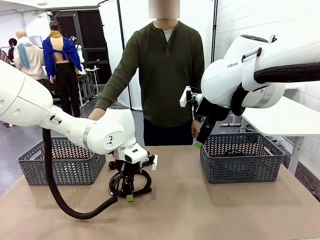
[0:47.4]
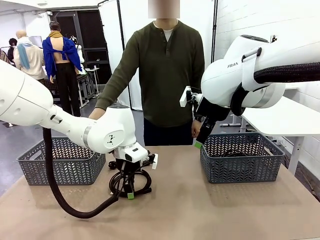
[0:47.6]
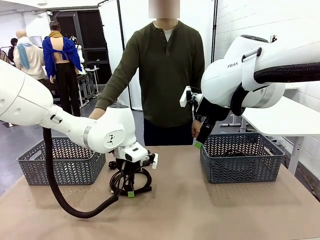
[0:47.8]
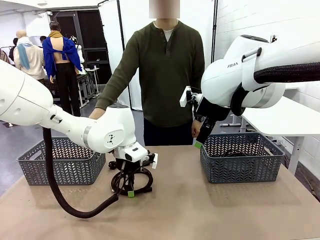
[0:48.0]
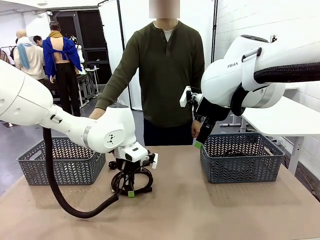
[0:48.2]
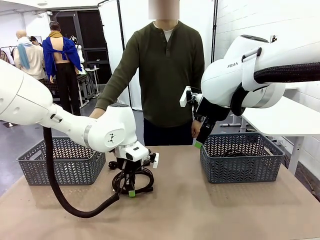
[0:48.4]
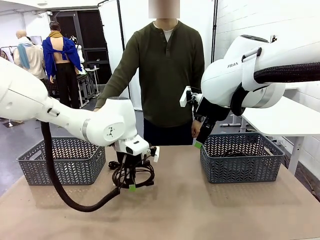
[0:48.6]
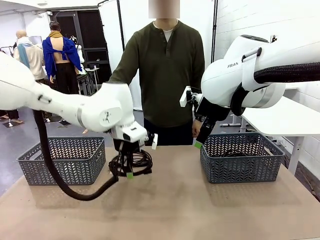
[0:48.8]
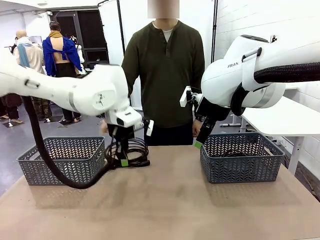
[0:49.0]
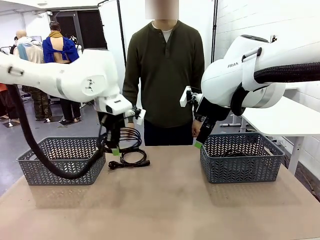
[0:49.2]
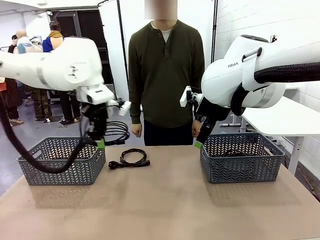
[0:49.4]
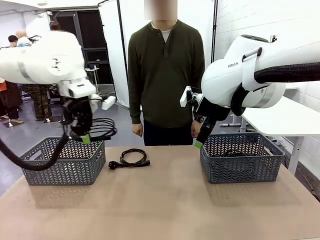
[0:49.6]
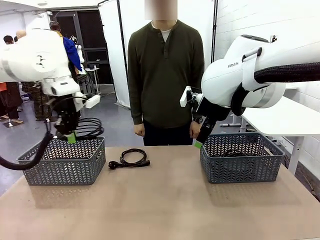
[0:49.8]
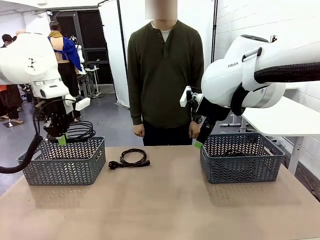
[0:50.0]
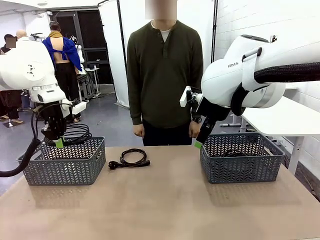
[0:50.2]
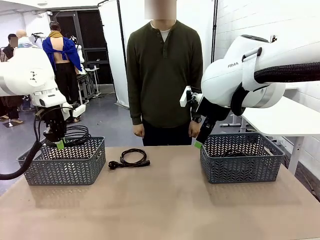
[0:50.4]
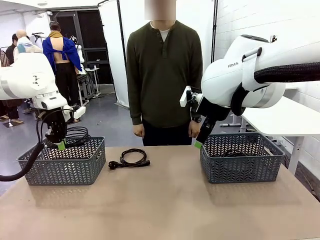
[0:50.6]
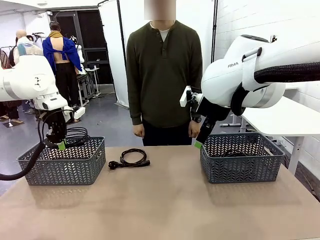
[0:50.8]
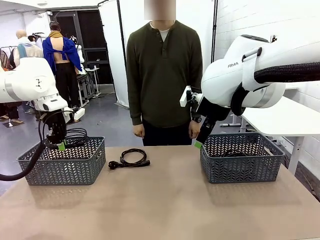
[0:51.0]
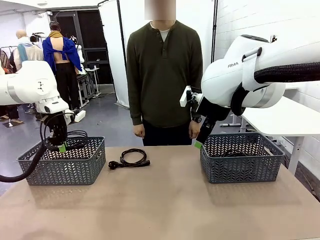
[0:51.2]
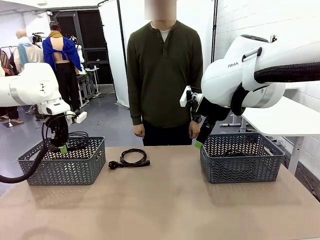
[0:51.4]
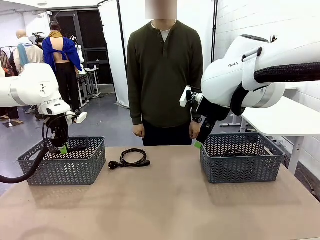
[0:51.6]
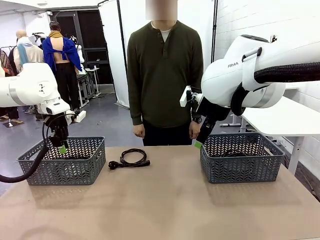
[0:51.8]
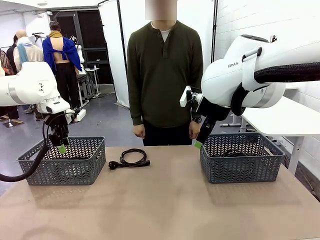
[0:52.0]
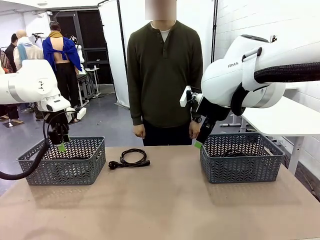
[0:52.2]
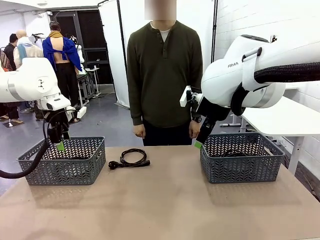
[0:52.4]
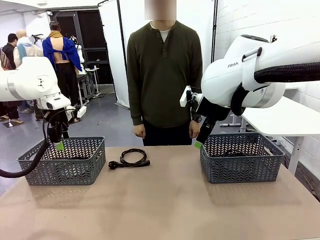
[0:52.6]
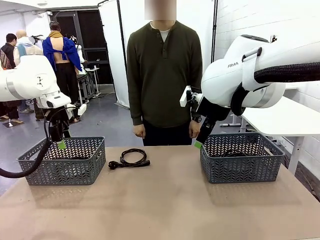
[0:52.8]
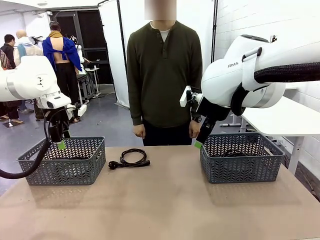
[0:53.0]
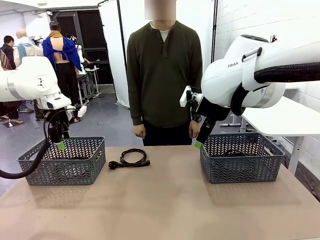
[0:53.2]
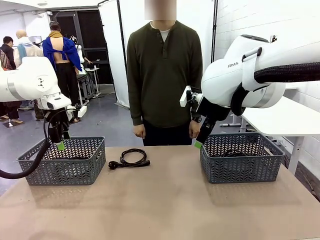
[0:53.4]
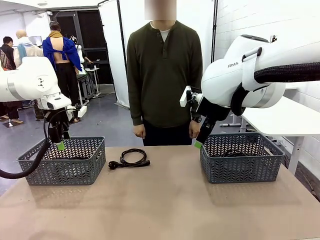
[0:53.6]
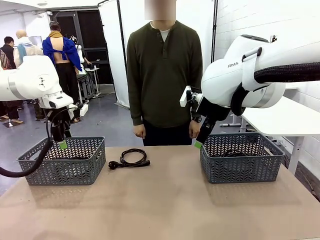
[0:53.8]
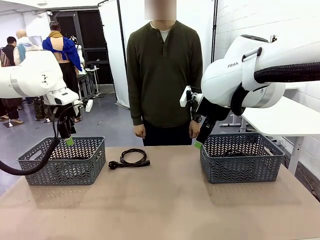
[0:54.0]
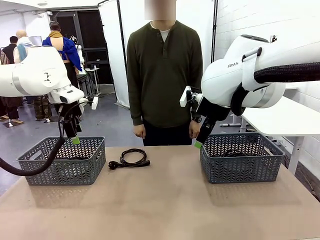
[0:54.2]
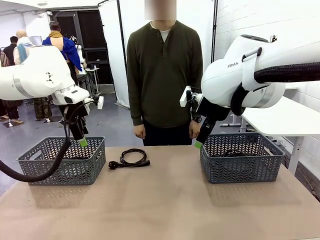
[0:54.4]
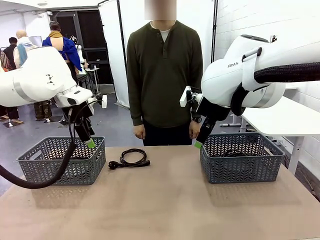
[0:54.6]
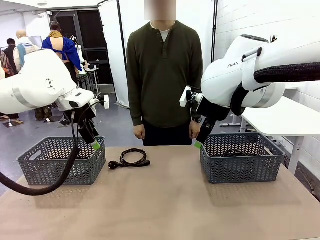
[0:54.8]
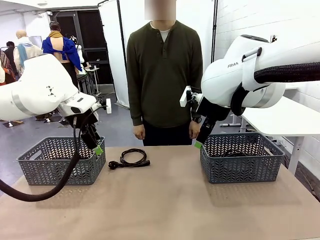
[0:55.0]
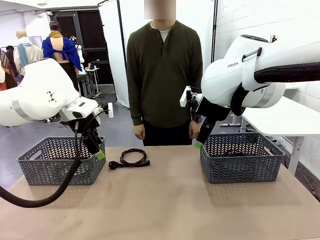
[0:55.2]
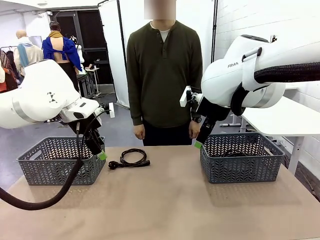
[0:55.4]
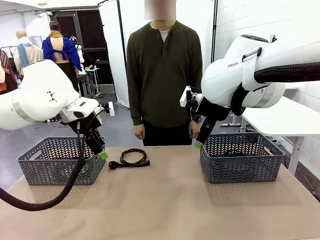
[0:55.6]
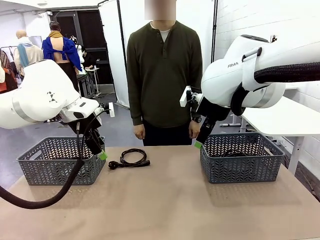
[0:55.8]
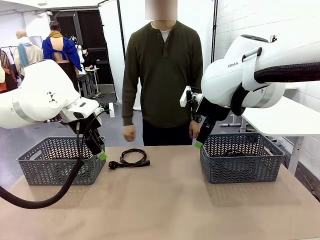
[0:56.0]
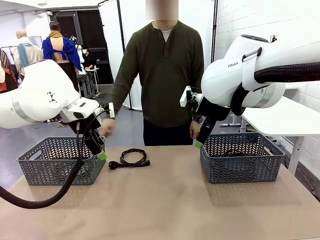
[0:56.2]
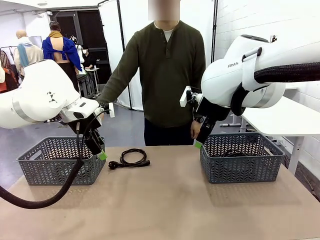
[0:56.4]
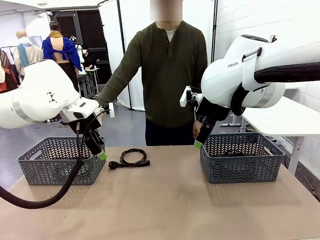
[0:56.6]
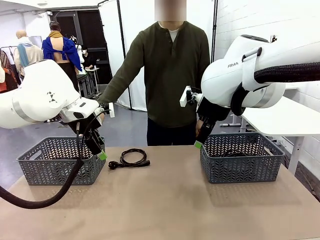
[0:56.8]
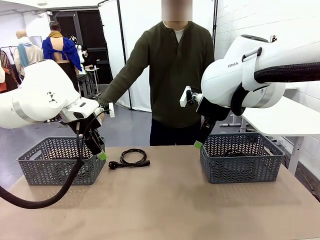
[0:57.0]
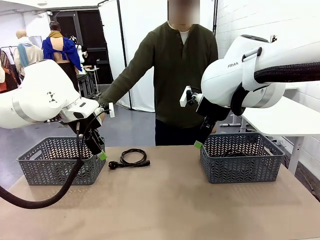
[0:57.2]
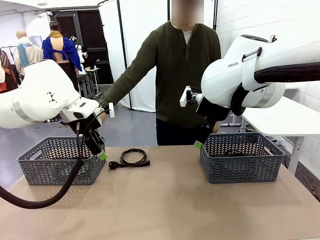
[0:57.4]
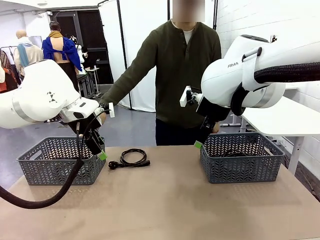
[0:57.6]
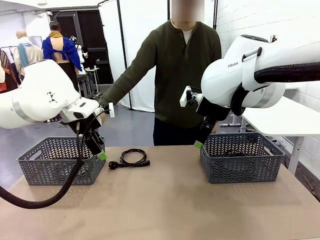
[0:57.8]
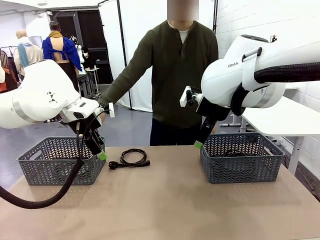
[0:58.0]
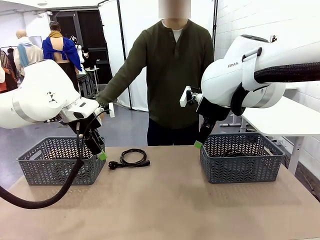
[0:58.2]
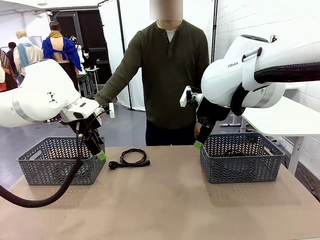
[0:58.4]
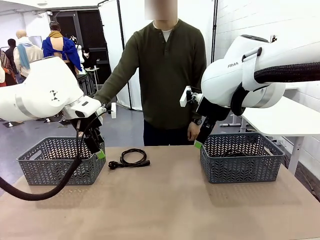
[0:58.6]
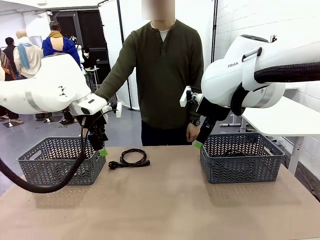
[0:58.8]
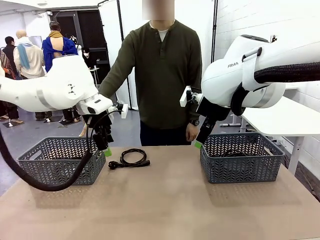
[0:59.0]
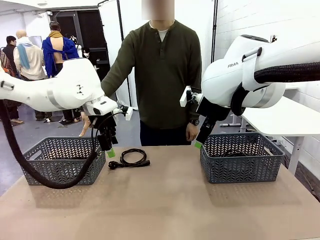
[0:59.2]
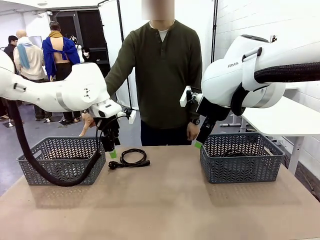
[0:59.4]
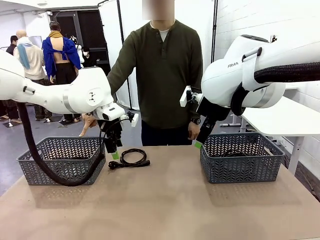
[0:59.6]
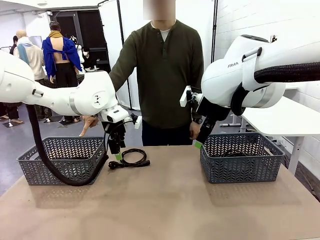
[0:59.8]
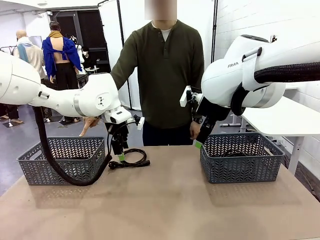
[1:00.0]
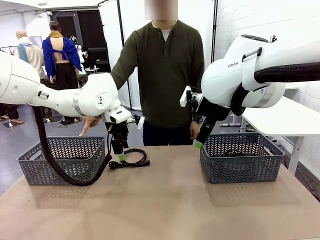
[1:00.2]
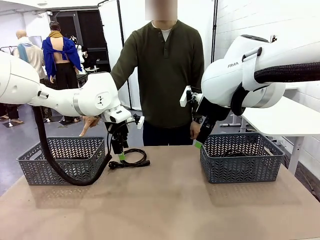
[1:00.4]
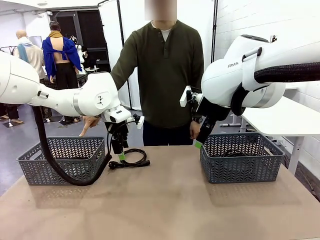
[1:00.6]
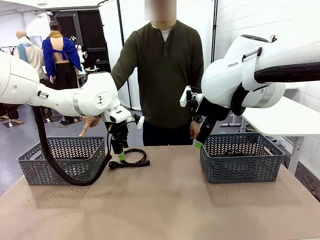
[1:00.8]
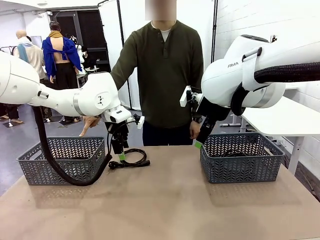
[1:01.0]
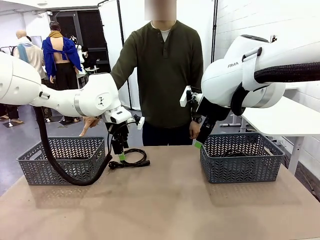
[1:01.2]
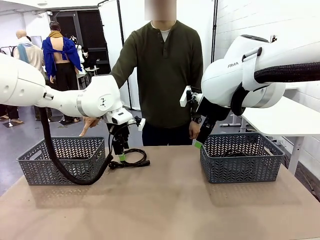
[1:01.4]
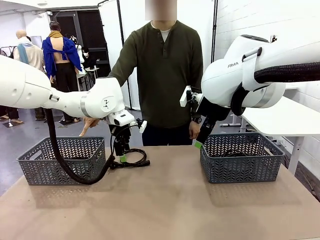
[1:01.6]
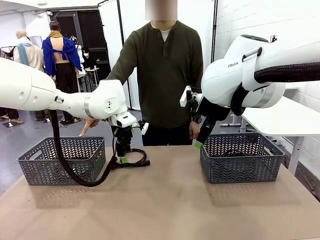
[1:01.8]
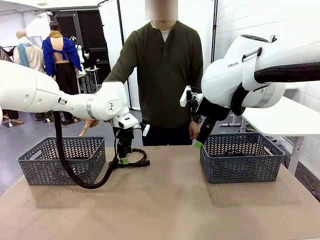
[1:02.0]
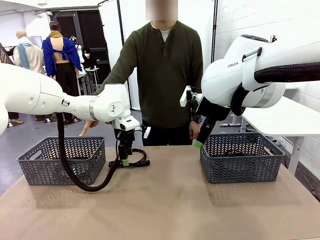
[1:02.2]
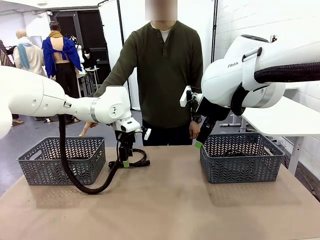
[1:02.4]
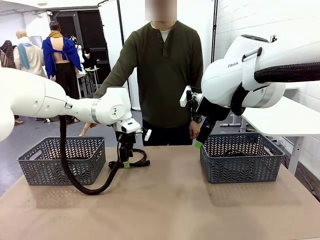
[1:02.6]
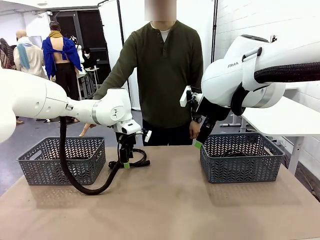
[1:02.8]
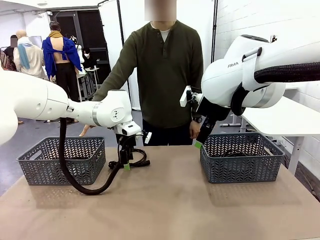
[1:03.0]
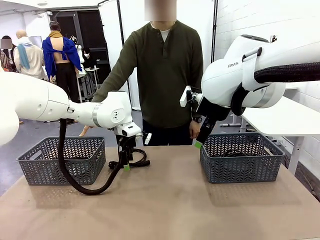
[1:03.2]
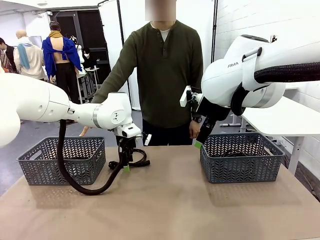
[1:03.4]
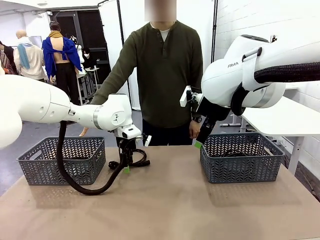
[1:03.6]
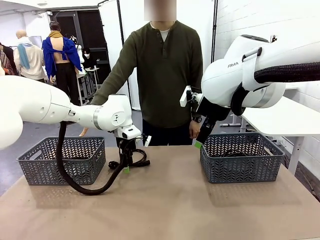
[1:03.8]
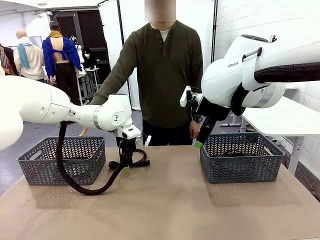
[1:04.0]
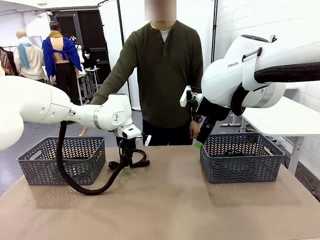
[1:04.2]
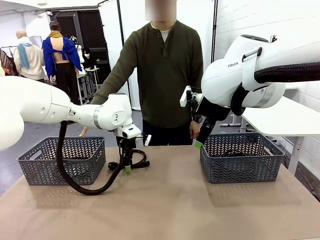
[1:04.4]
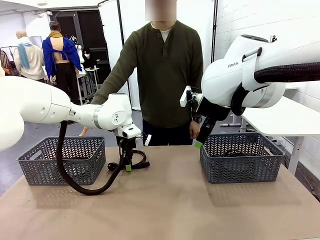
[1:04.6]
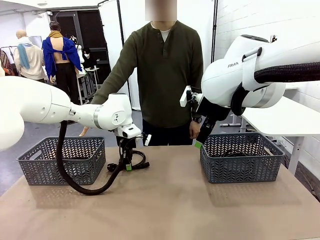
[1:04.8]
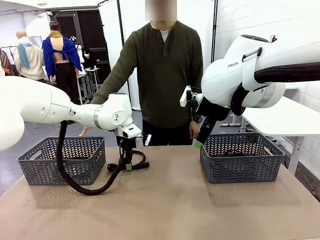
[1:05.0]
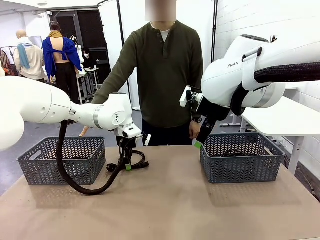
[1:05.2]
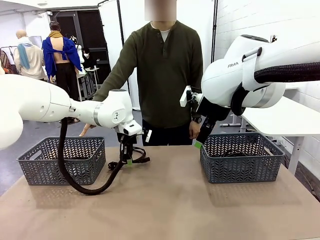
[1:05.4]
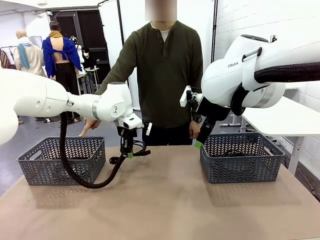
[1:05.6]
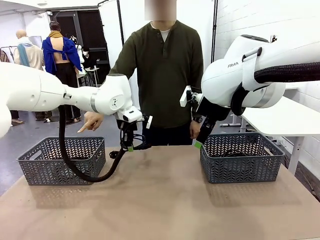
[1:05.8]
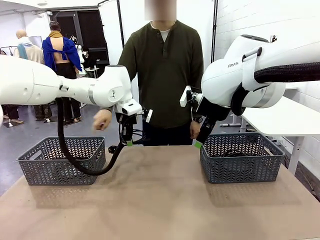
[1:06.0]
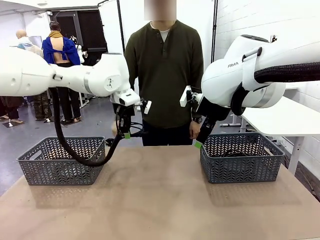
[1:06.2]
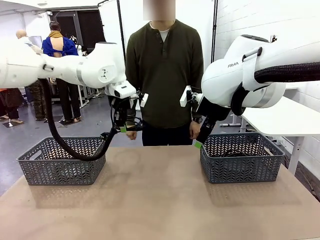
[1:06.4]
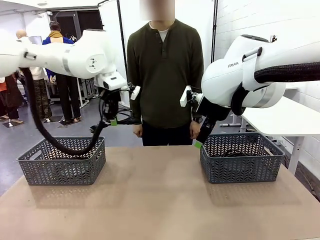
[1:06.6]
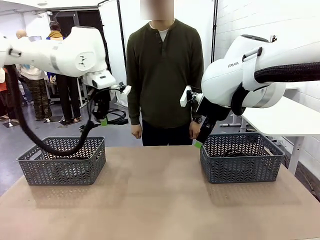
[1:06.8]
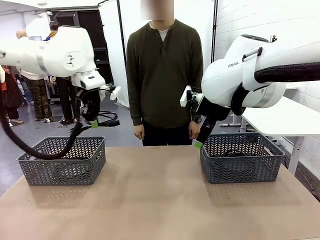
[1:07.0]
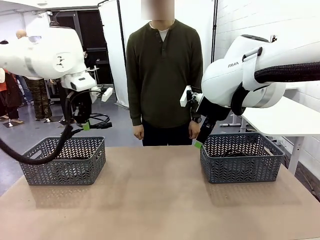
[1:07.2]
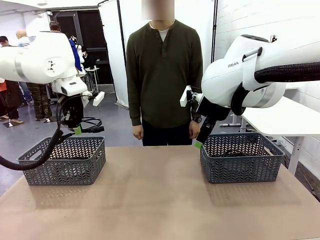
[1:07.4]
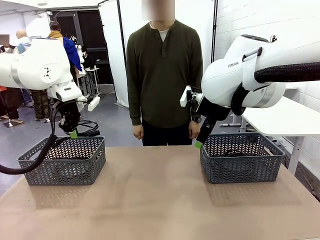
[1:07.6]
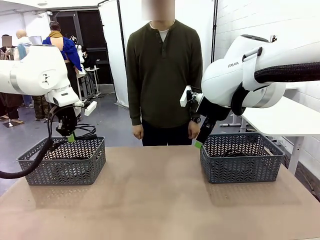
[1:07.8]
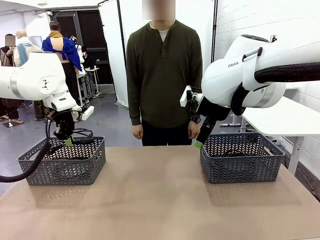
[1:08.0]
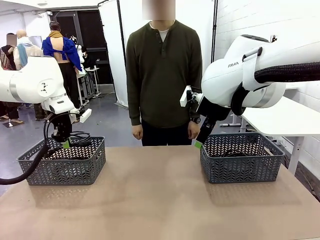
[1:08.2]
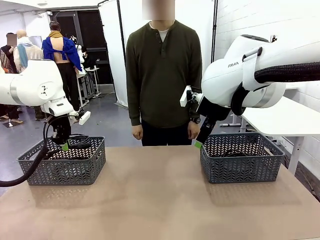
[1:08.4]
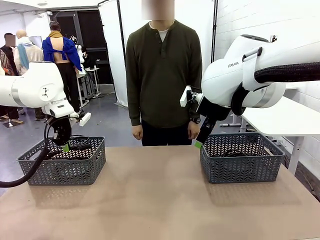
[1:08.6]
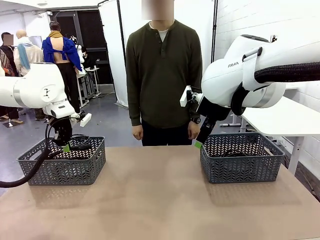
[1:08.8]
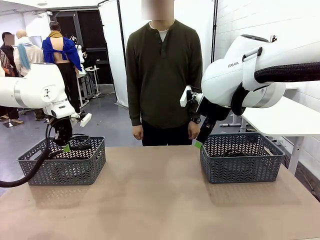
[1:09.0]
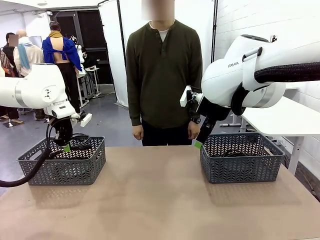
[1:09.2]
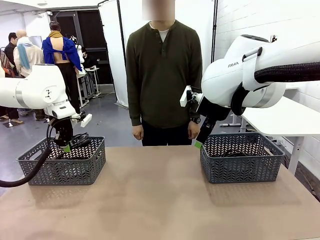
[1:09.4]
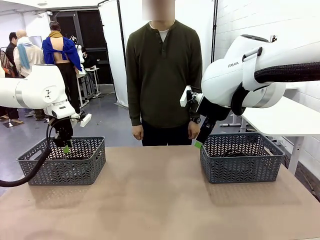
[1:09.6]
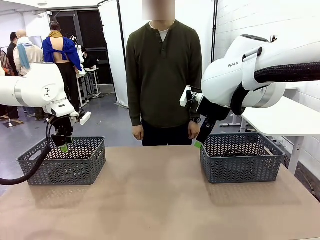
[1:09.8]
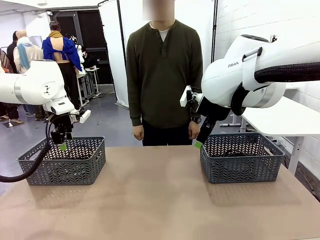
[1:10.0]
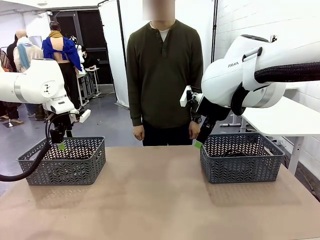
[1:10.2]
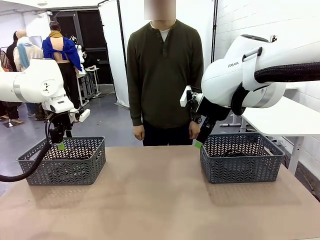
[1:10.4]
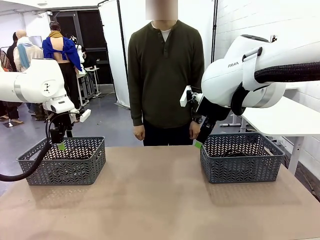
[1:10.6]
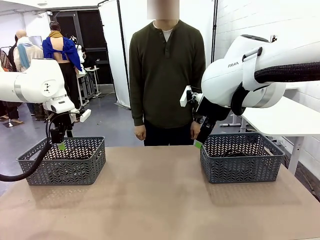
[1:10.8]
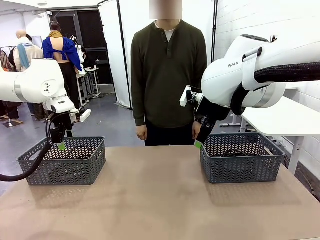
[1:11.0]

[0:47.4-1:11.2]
Task: Organize the cables according to human instructions.
Robot: Pick up a bundle of cables and place it in the basket indicated by the human.
